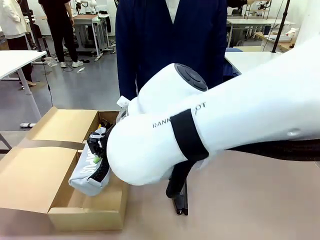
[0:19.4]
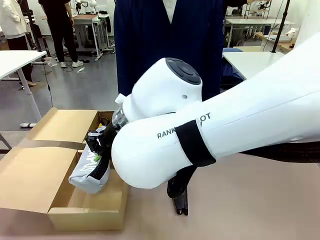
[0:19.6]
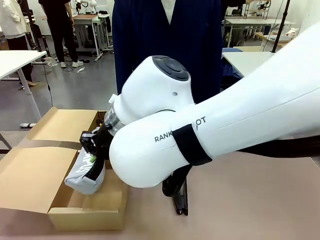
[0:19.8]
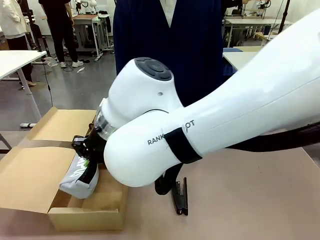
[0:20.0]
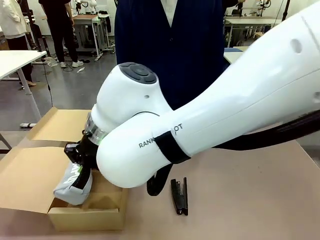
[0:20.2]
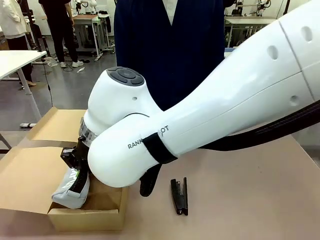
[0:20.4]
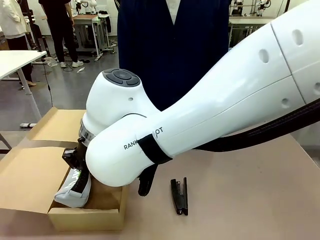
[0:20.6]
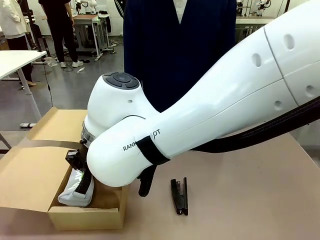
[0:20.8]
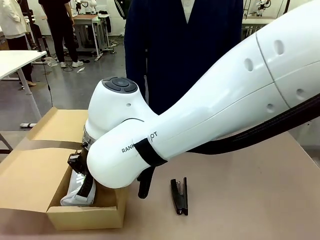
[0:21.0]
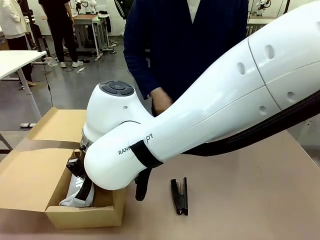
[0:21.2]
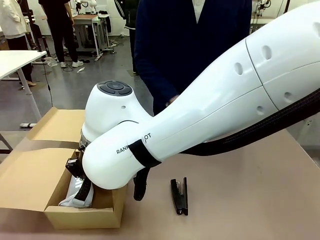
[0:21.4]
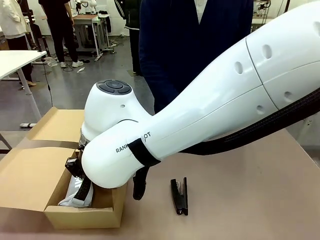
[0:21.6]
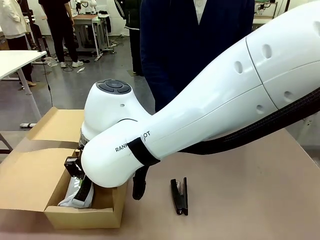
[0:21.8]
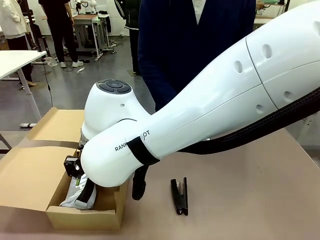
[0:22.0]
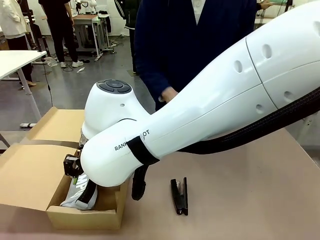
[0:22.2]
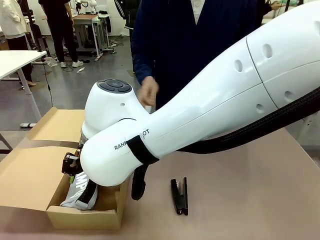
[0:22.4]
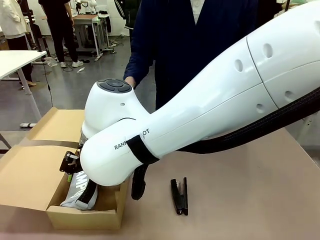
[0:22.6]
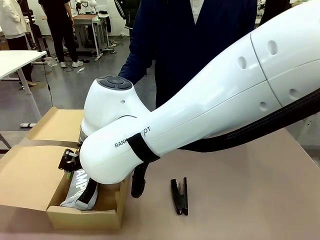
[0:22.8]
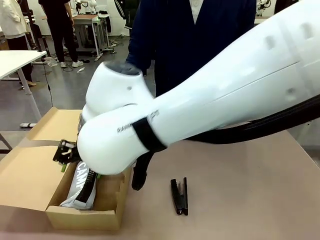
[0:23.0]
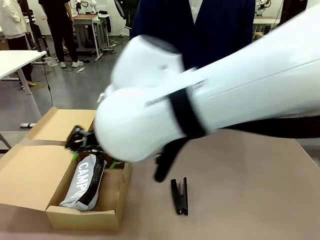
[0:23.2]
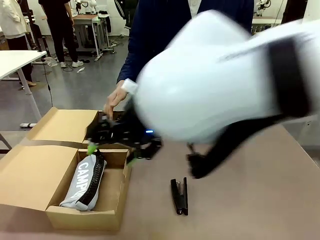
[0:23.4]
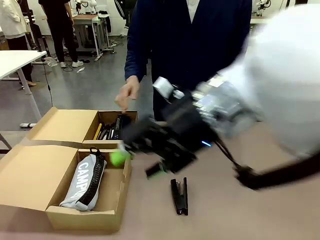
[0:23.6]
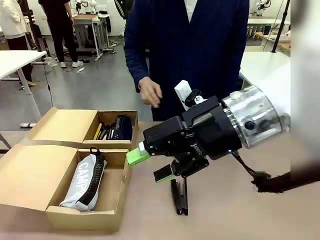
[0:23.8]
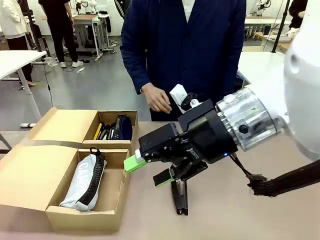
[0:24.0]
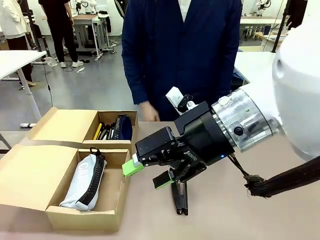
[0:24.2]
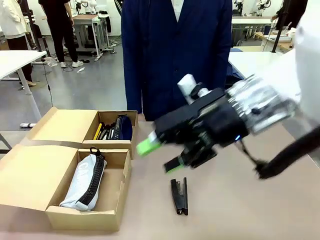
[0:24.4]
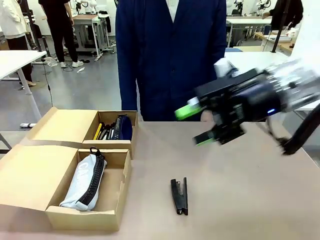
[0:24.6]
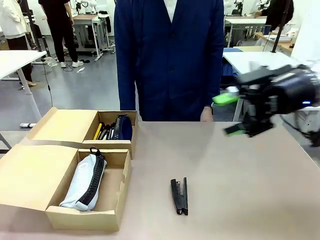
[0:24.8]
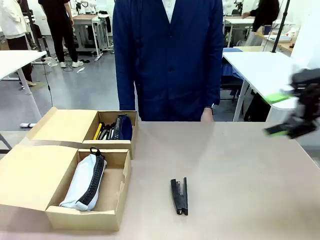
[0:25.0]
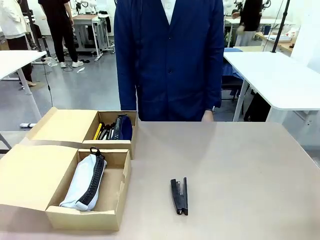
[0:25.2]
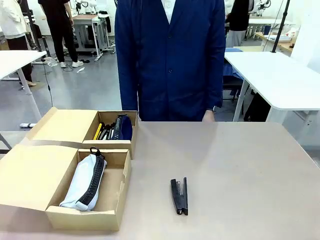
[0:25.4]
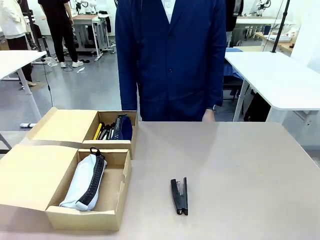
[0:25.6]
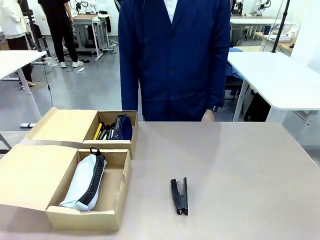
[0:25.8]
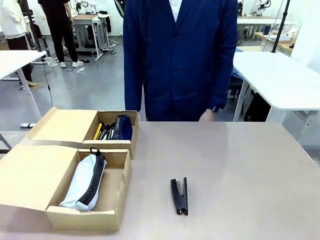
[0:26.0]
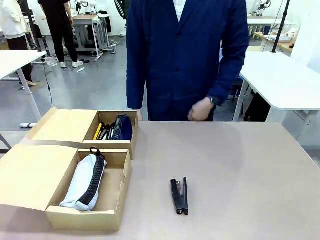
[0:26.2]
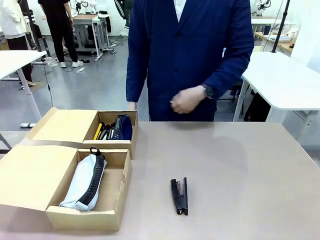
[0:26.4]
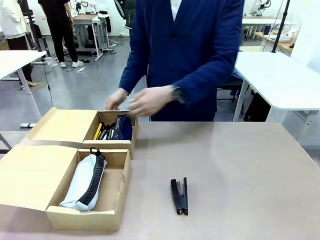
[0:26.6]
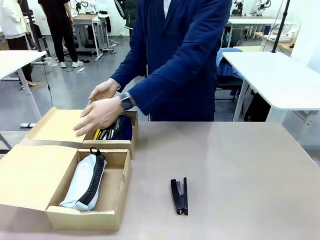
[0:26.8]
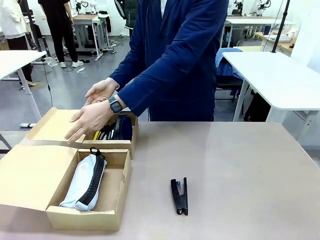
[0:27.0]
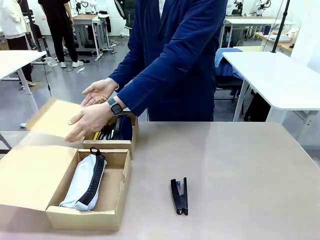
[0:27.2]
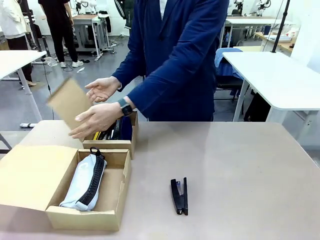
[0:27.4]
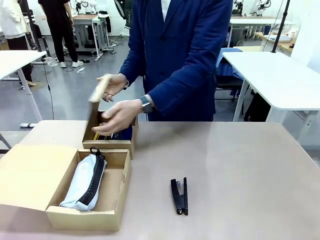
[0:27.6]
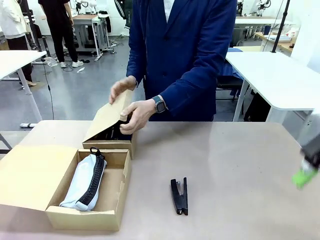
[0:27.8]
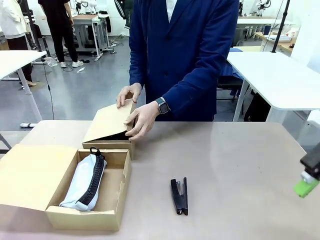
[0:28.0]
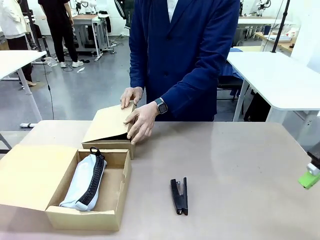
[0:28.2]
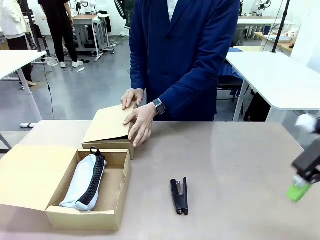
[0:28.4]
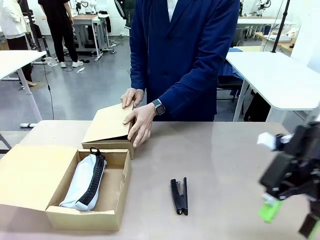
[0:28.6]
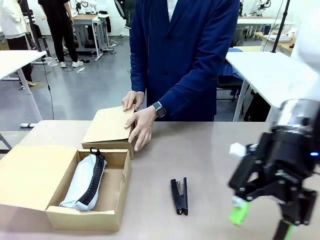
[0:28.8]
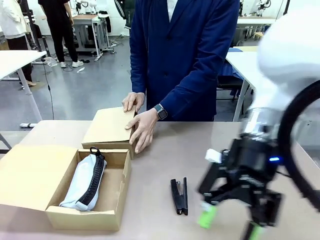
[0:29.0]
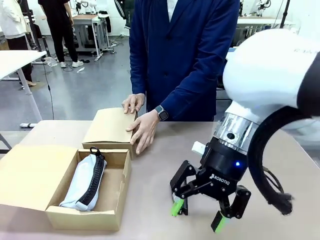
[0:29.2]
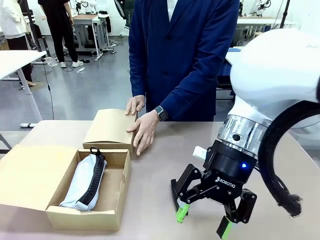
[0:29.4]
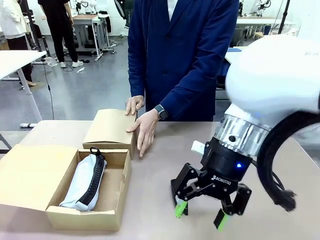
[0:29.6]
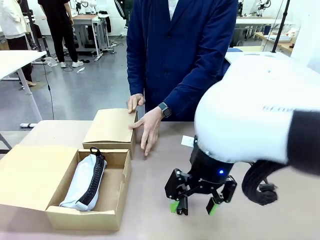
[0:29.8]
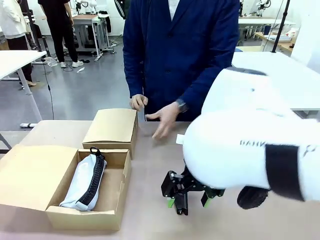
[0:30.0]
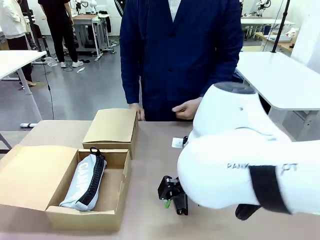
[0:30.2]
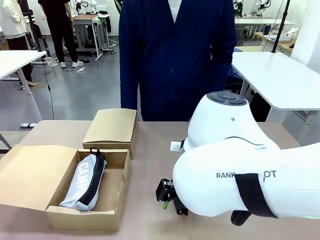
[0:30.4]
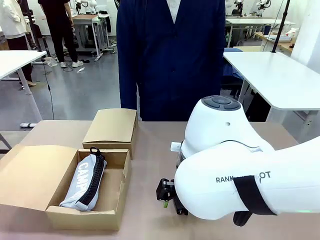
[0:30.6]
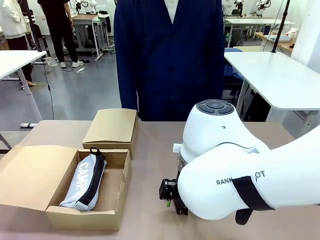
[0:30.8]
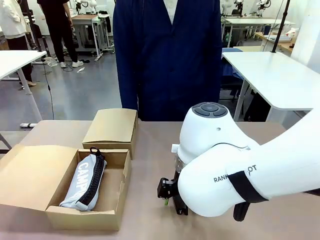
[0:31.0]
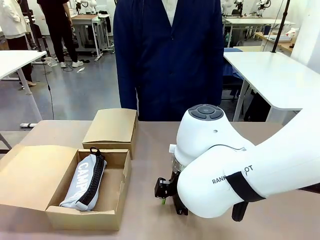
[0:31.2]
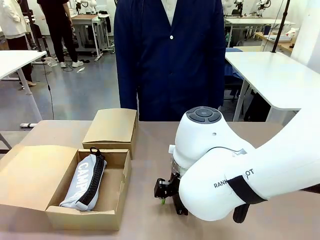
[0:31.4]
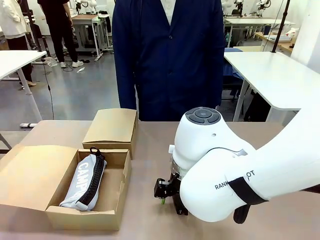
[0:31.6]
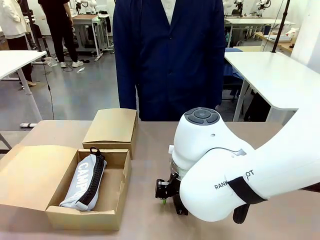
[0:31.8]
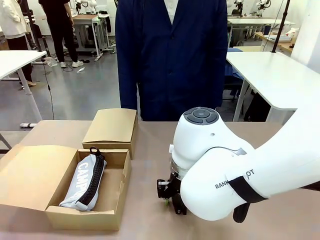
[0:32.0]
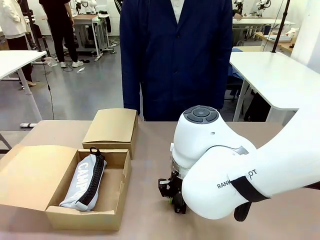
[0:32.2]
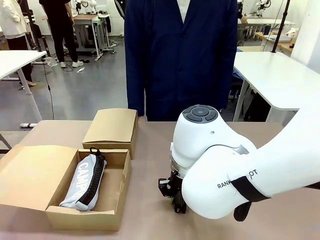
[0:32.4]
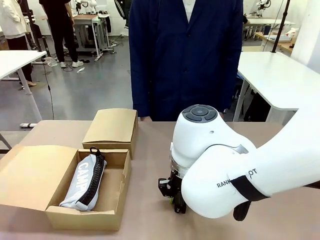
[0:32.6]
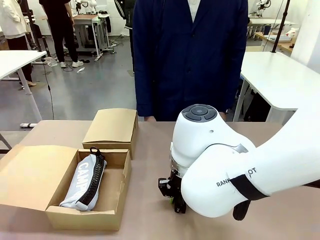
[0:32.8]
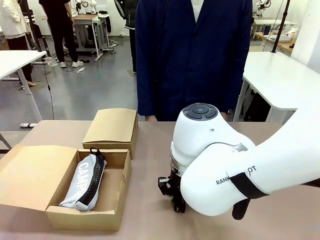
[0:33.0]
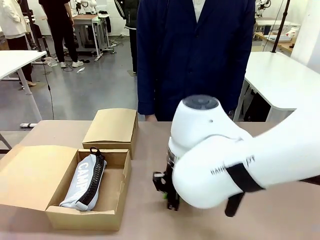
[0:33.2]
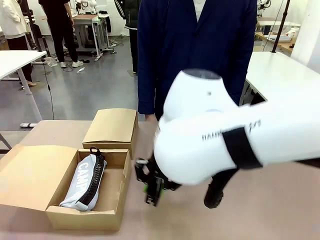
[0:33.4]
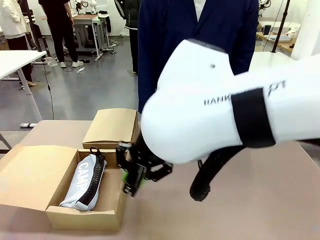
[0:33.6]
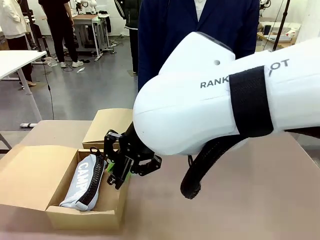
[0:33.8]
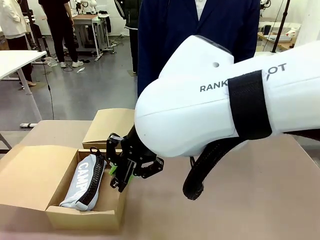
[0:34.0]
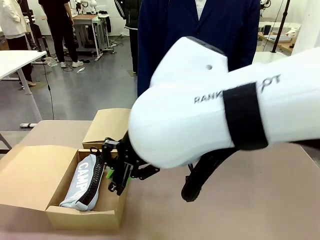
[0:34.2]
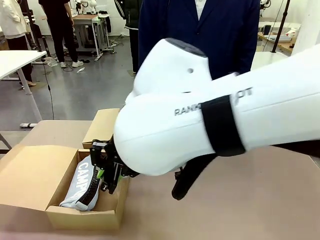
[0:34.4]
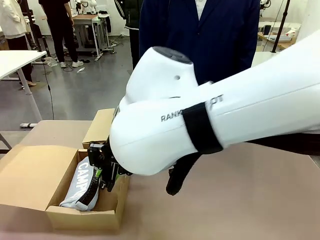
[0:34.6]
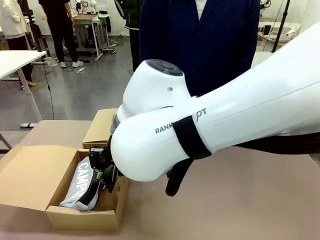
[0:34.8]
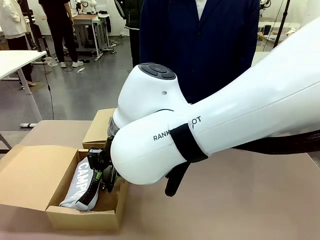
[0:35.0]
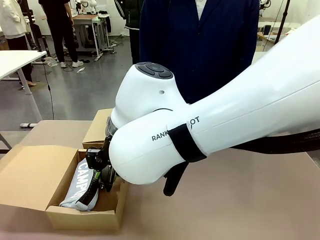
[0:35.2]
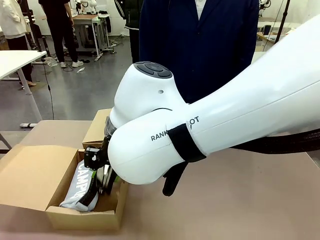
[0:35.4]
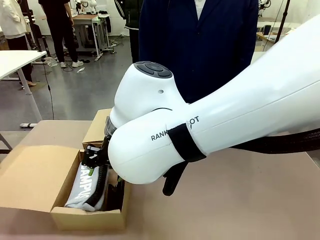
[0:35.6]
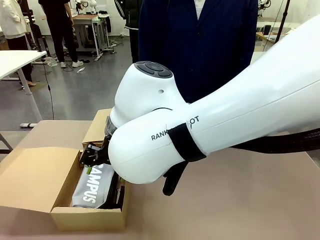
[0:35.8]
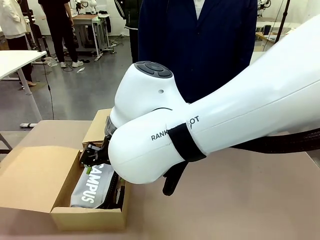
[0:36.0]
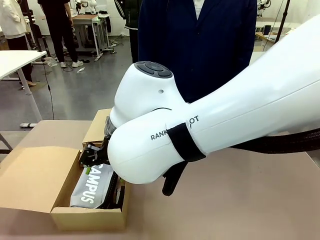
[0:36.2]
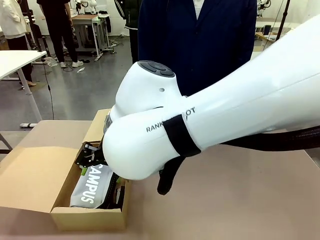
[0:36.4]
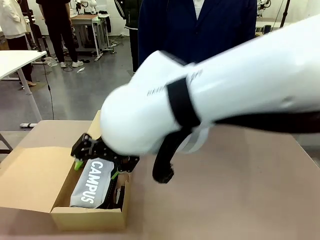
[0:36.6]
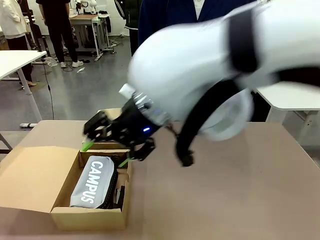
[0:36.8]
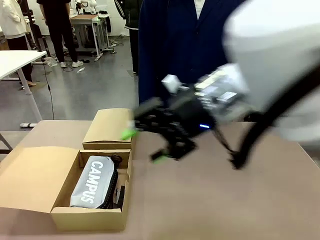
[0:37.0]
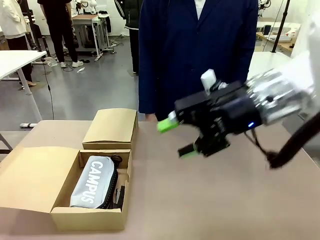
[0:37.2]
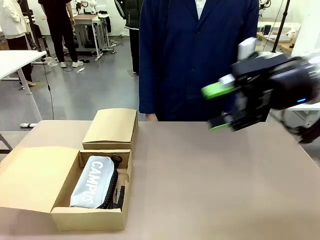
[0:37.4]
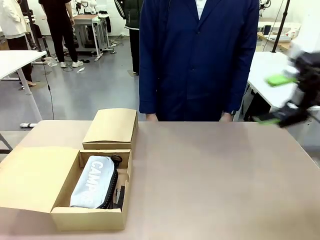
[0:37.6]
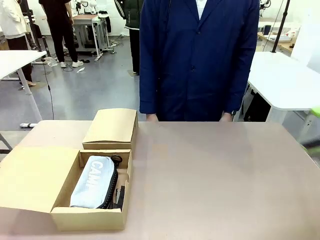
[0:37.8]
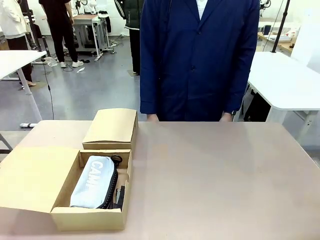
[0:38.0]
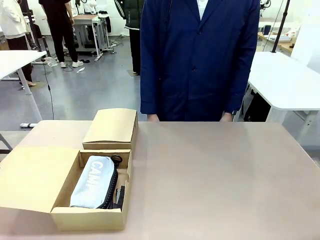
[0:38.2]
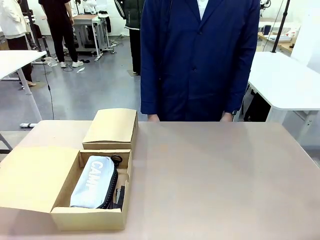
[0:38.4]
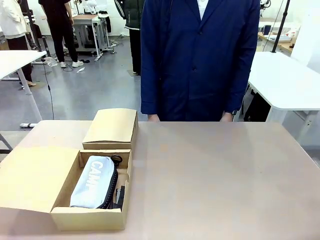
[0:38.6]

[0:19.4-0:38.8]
Task: Place items inside the box.
Robot: Pick up a Pencil pouch or Stapler and place it inside the Mailer Box closest to the robot.
Person: Close the lid of the box facing the person.
